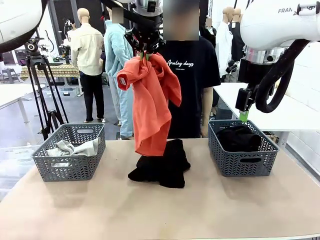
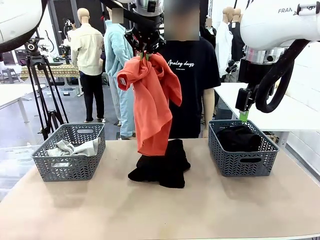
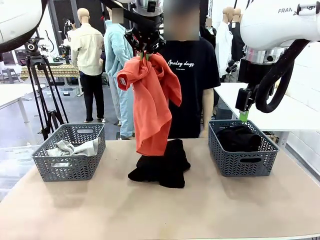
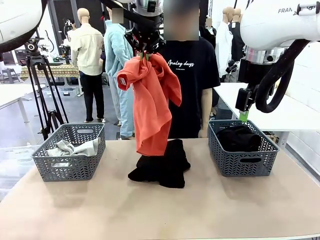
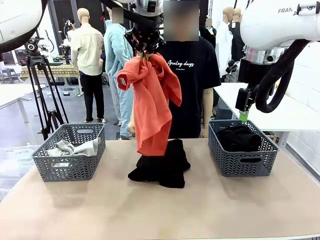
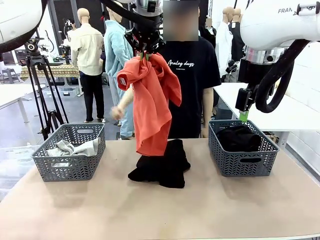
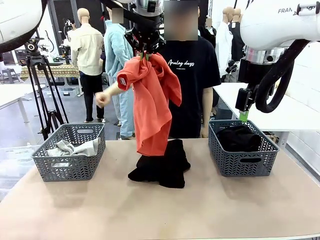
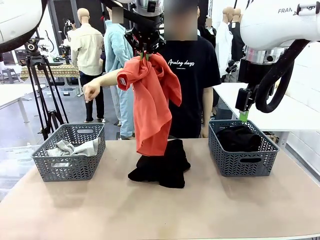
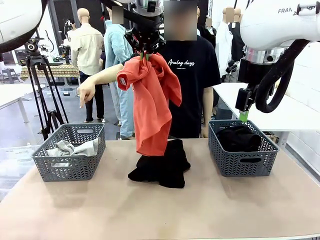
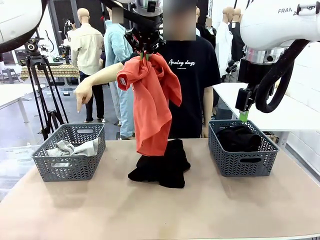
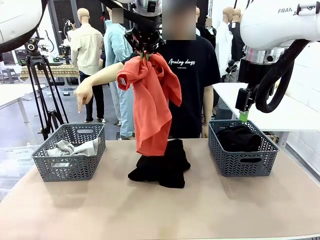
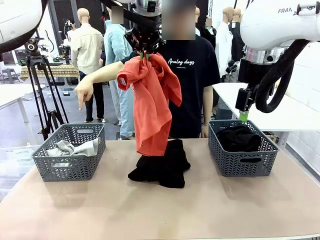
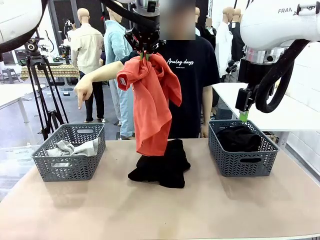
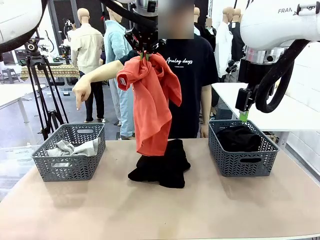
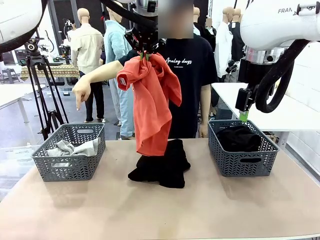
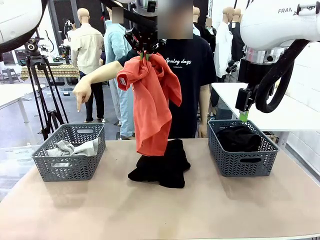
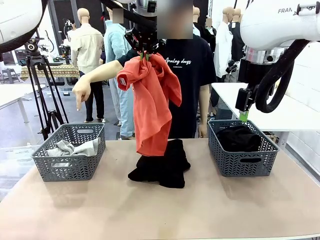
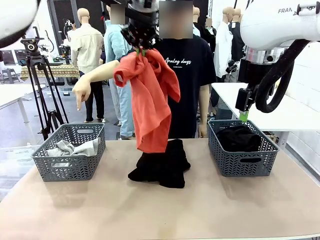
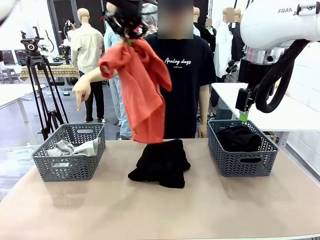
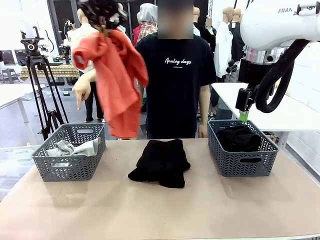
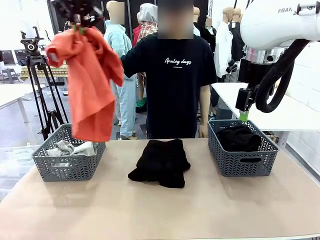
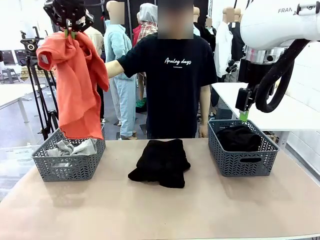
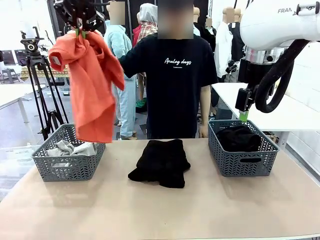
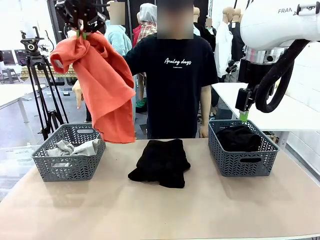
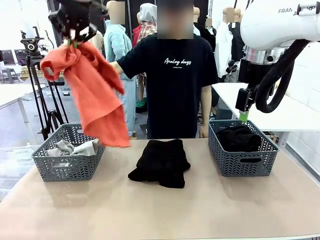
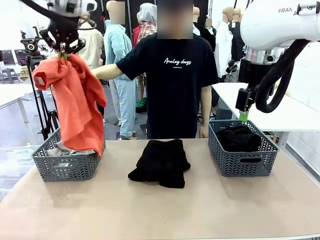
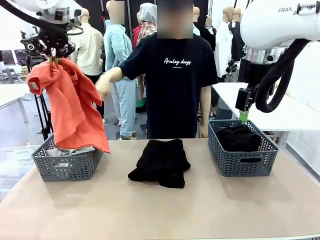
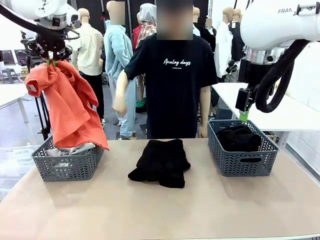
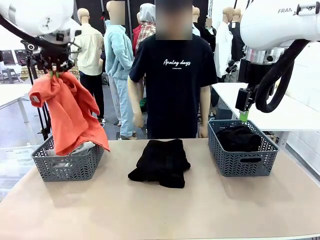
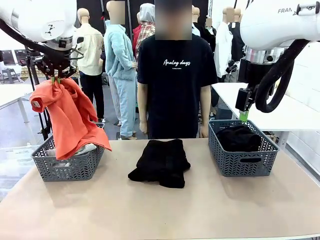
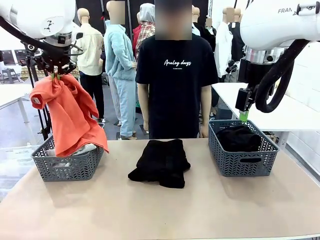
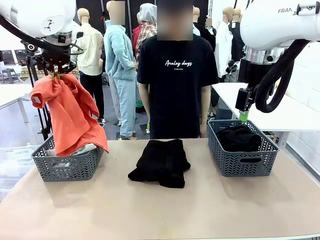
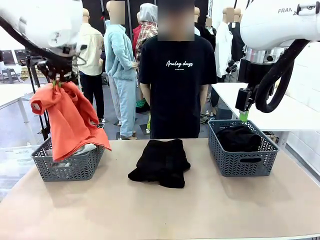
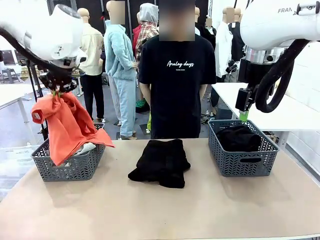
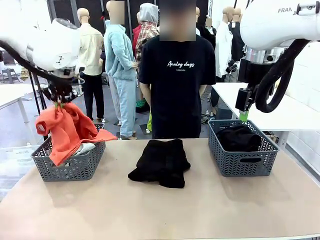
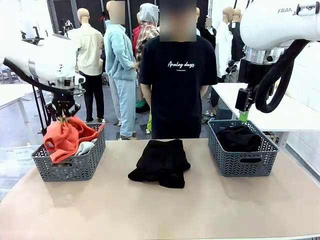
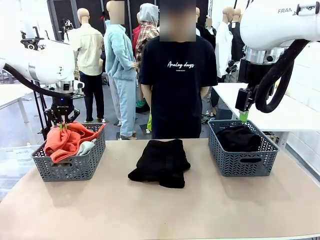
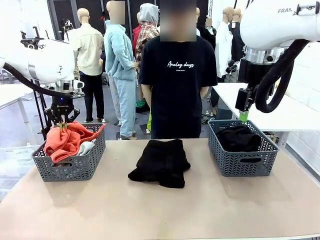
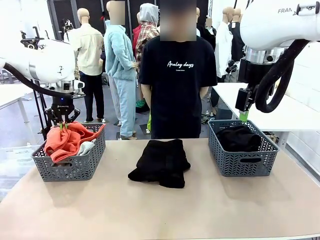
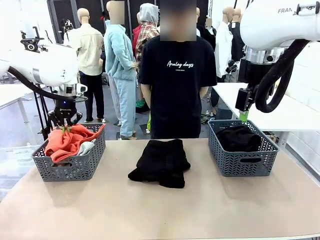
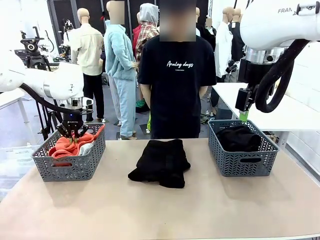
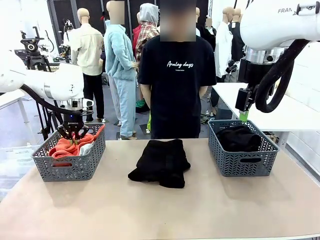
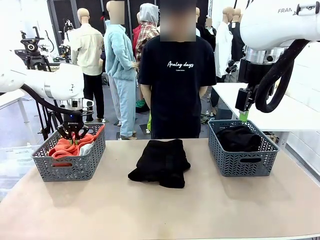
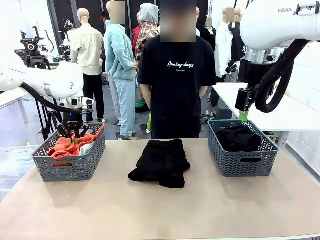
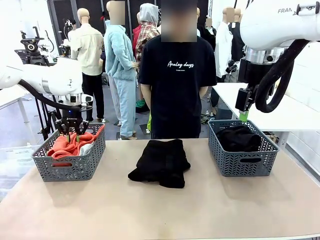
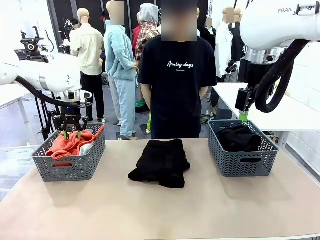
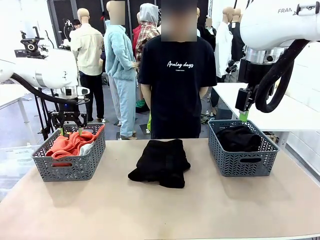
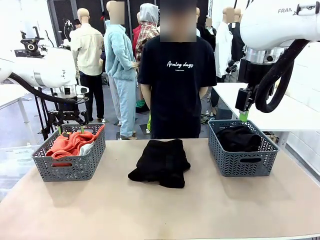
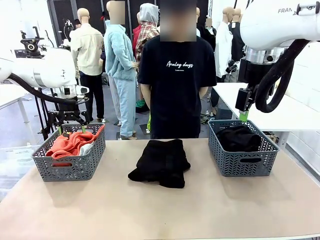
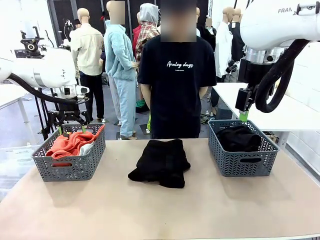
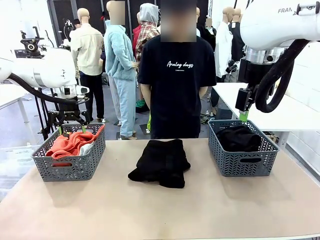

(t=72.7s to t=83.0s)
Task: Sort the tops and bottoms.
Robot: Sort the clothes according to human instructions.

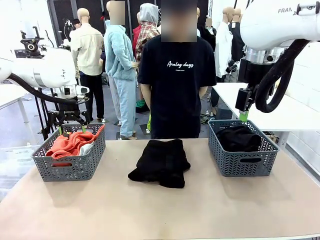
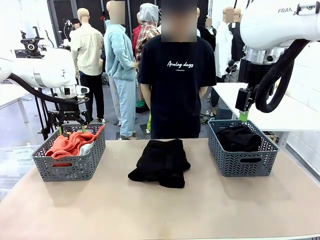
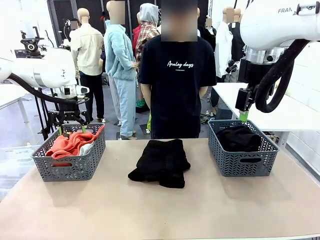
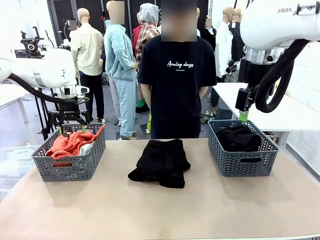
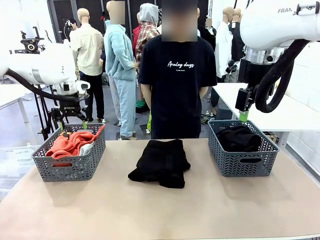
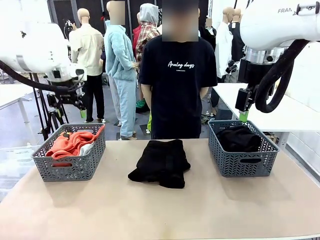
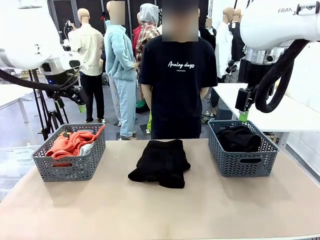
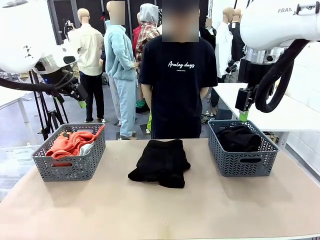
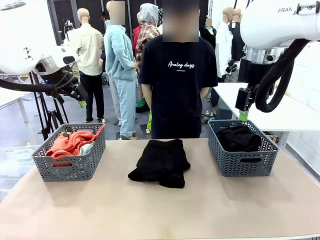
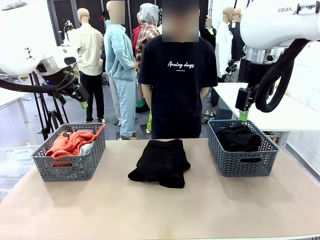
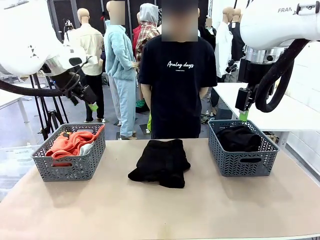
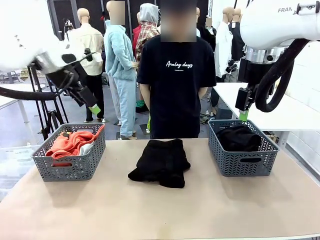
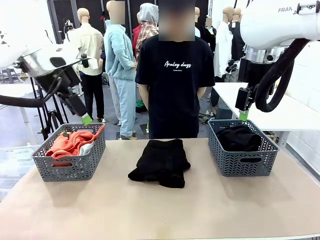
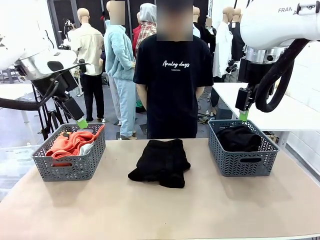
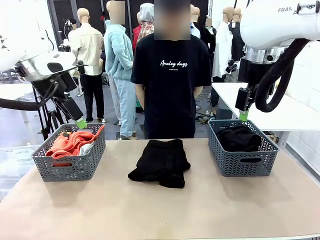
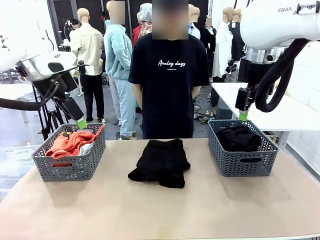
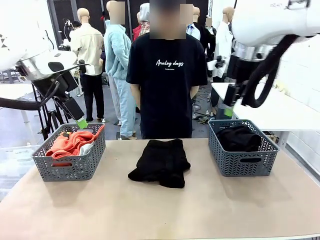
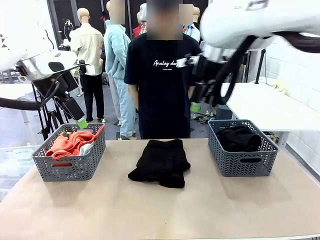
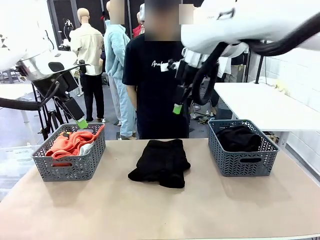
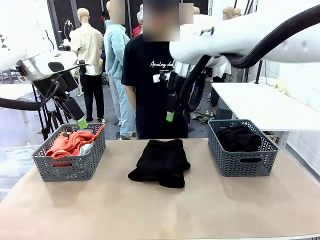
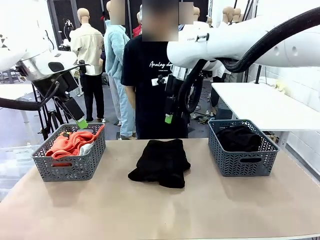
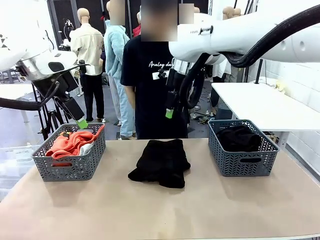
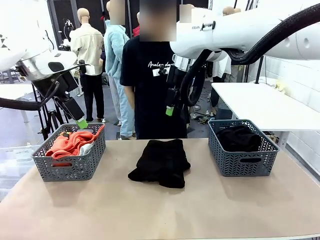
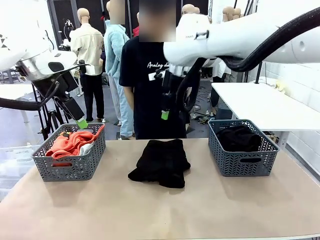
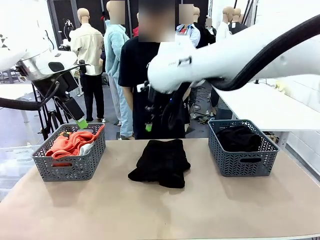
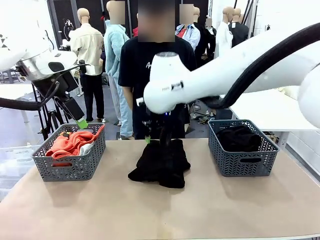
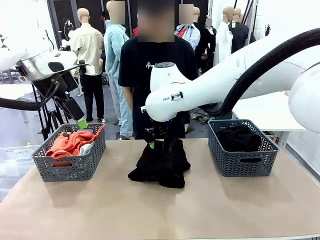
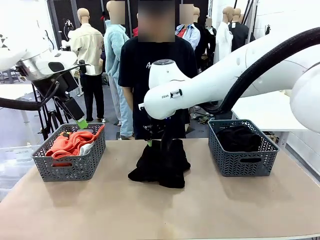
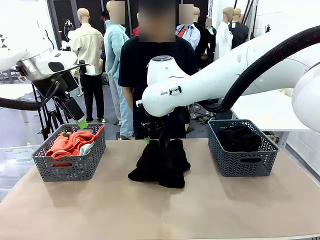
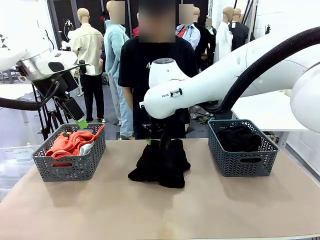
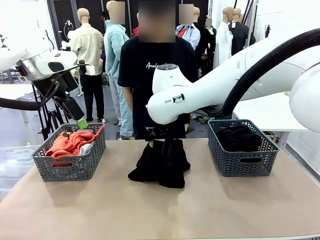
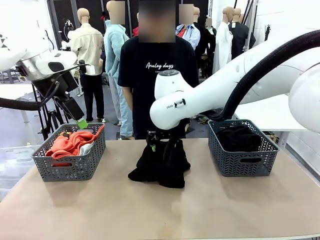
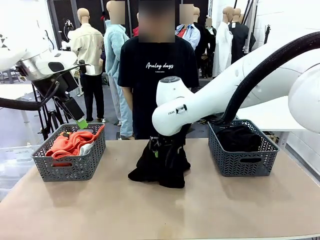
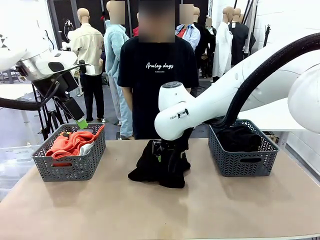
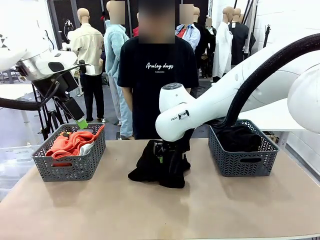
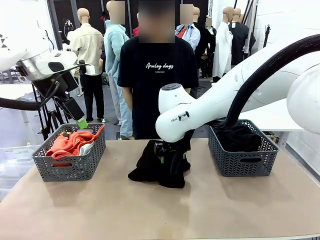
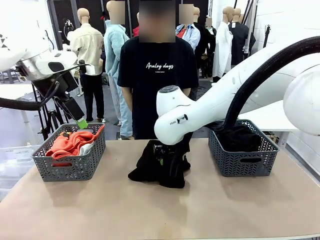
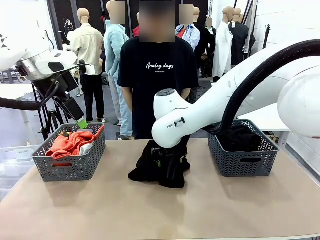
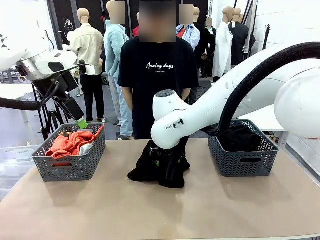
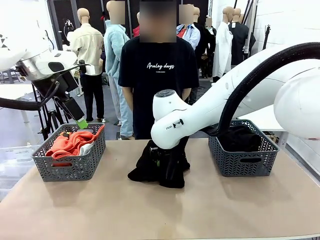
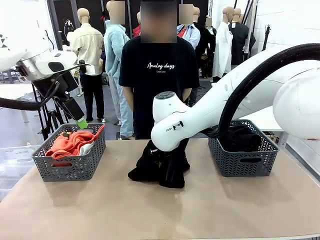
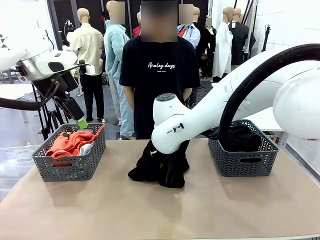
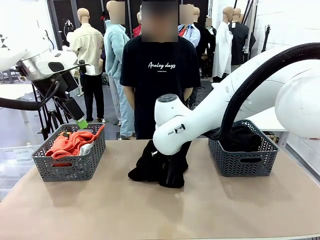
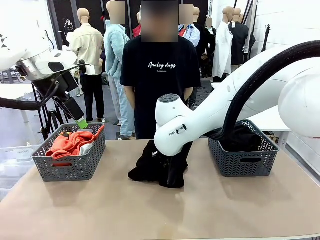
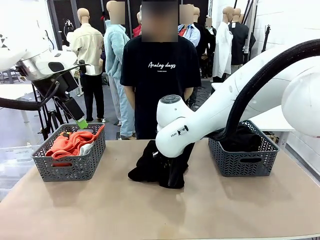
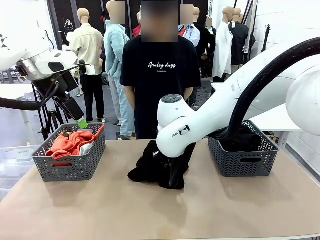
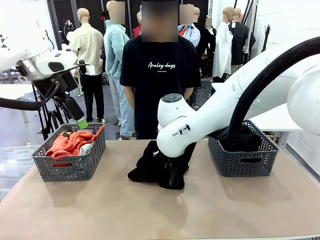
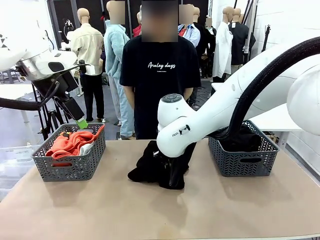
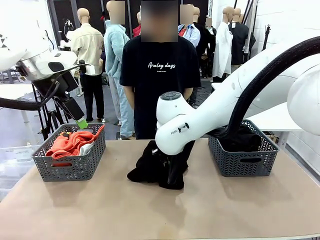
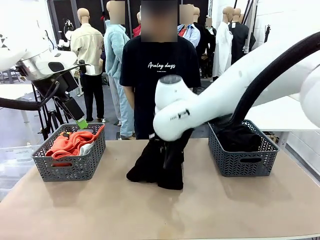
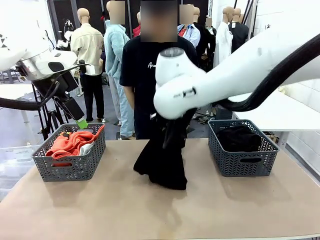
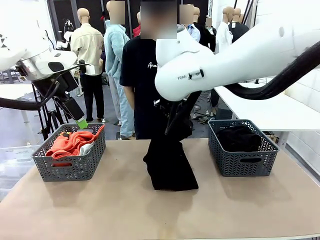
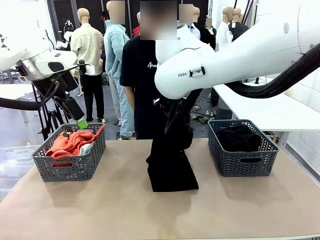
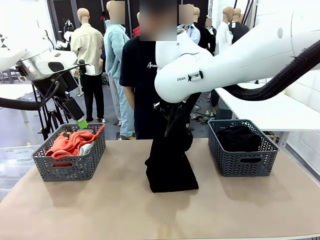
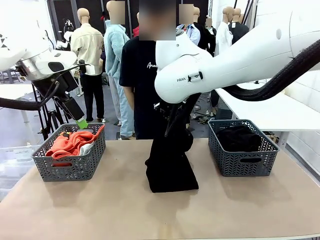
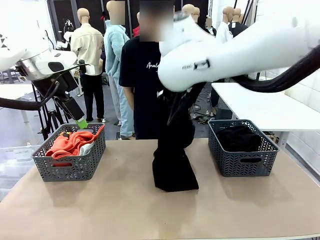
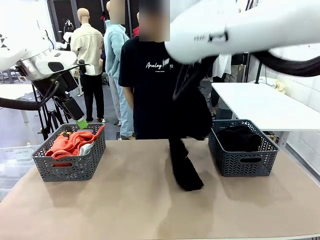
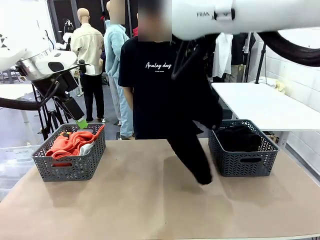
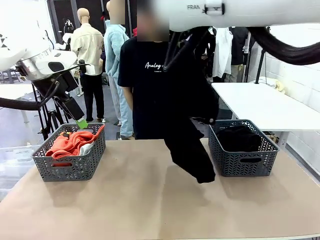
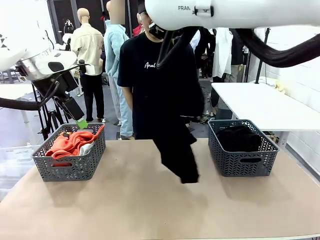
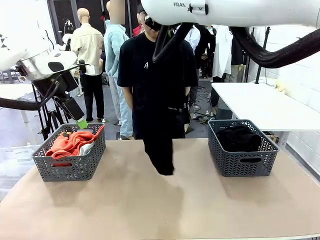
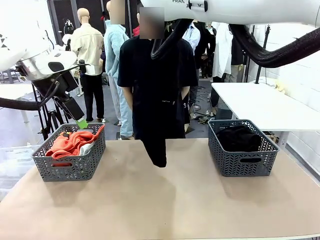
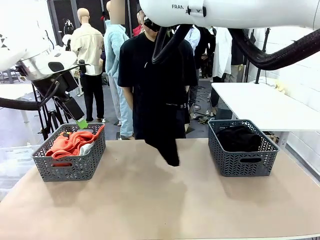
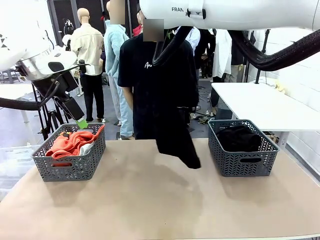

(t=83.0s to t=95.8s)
Robot: Lift clothes from the center of the table with your right hand.
